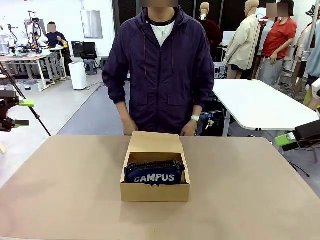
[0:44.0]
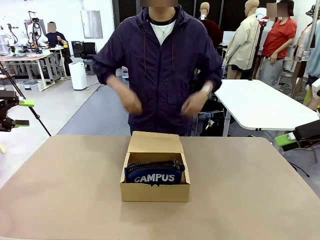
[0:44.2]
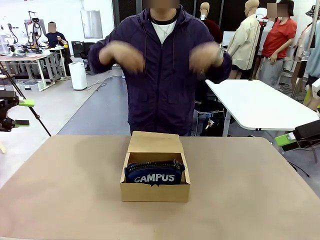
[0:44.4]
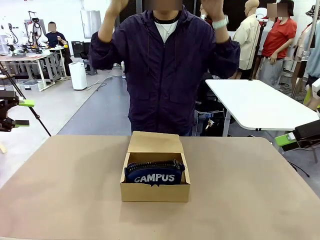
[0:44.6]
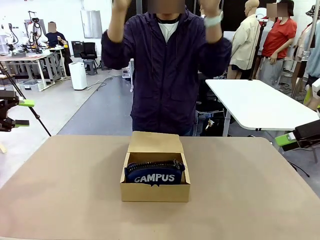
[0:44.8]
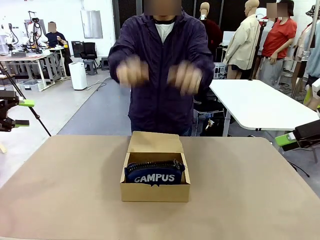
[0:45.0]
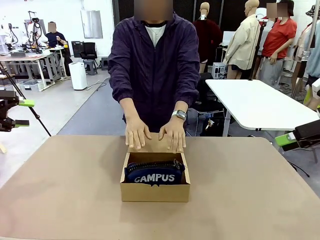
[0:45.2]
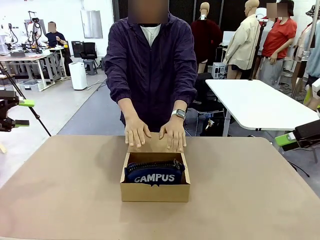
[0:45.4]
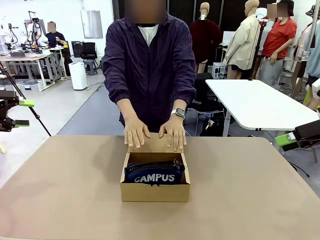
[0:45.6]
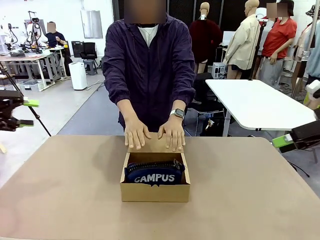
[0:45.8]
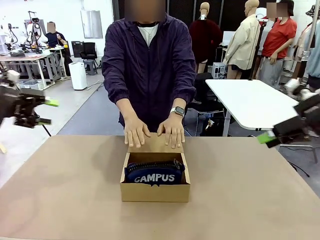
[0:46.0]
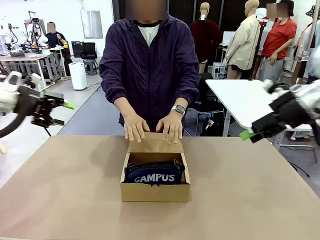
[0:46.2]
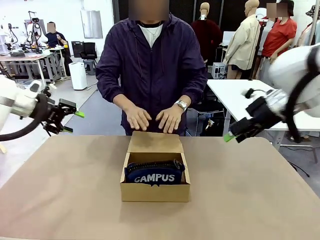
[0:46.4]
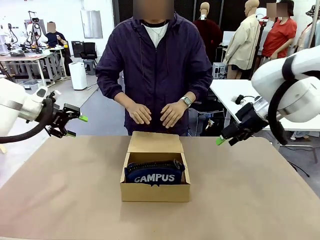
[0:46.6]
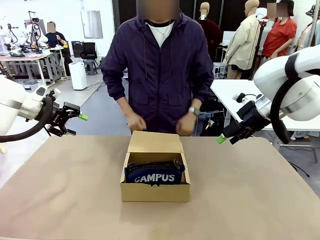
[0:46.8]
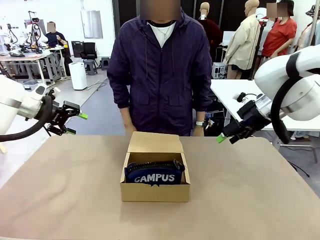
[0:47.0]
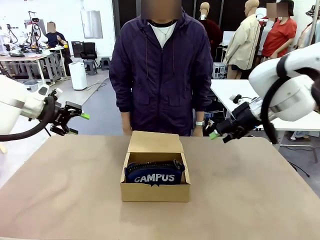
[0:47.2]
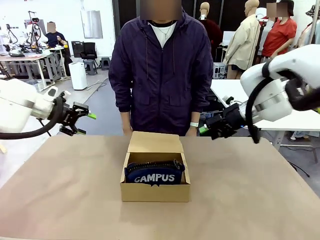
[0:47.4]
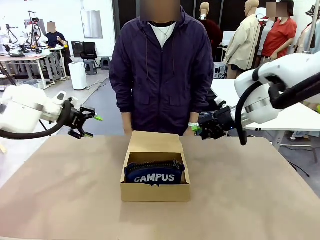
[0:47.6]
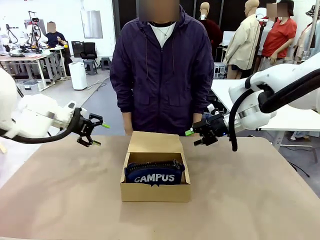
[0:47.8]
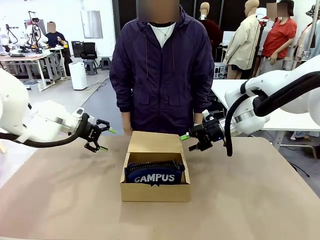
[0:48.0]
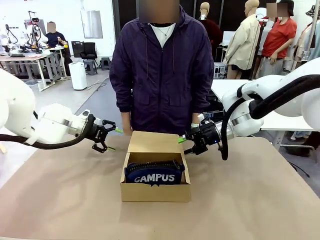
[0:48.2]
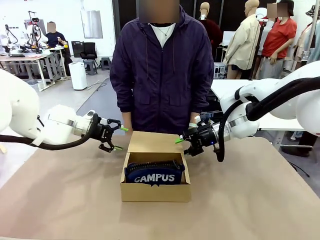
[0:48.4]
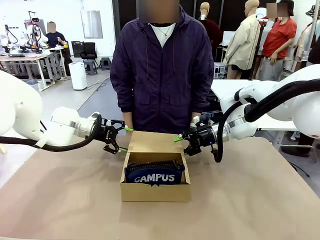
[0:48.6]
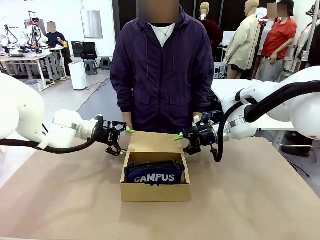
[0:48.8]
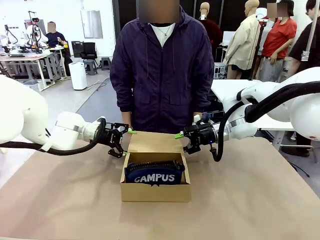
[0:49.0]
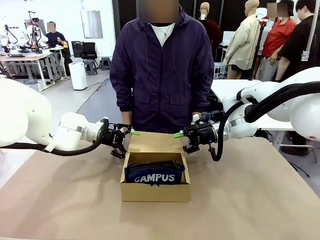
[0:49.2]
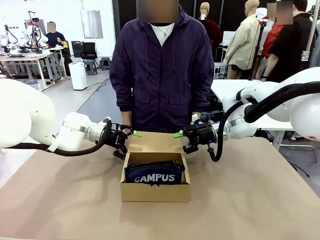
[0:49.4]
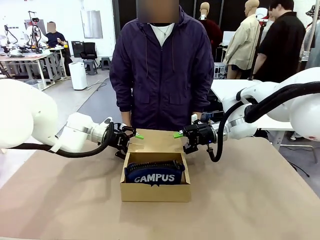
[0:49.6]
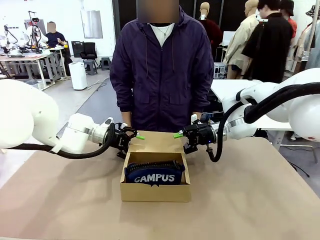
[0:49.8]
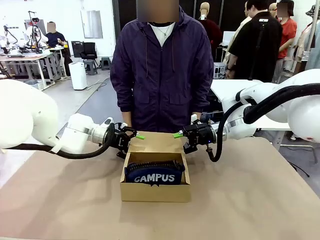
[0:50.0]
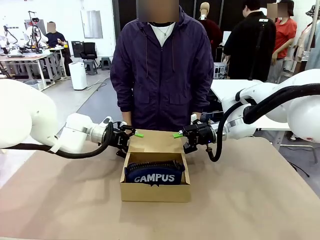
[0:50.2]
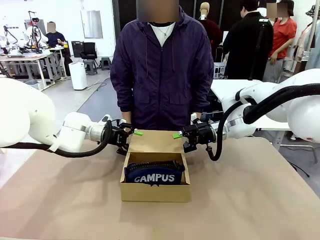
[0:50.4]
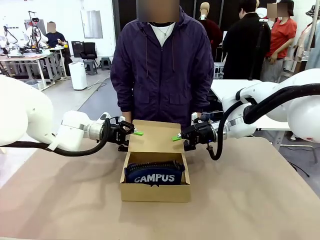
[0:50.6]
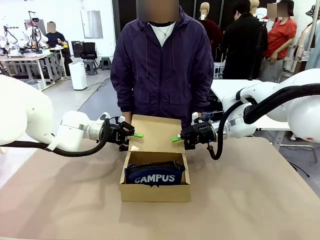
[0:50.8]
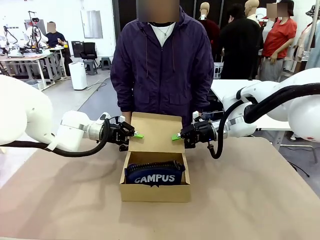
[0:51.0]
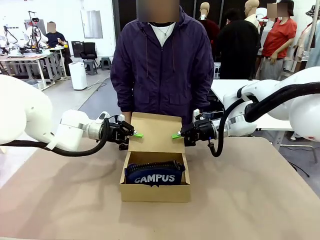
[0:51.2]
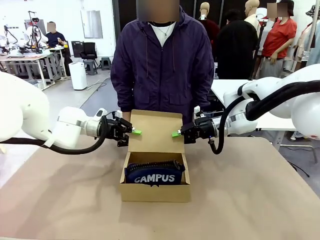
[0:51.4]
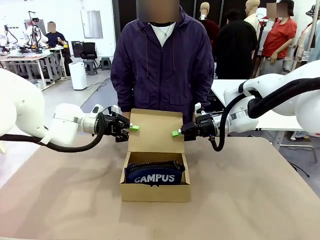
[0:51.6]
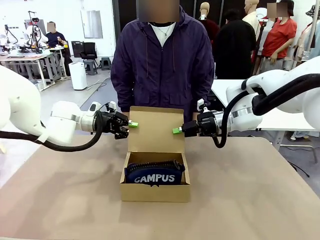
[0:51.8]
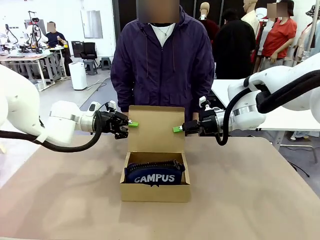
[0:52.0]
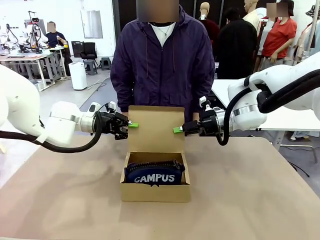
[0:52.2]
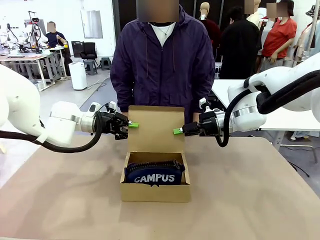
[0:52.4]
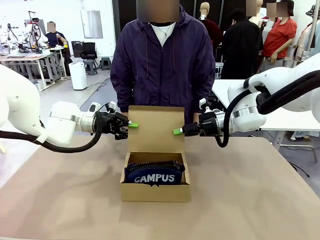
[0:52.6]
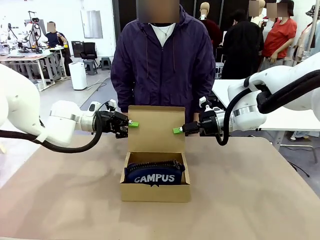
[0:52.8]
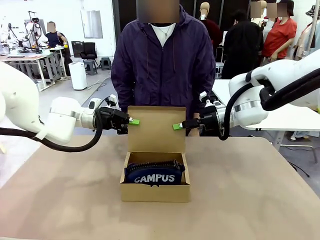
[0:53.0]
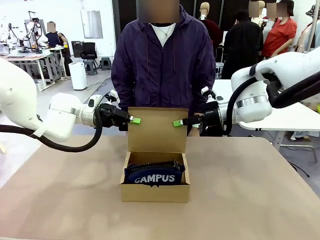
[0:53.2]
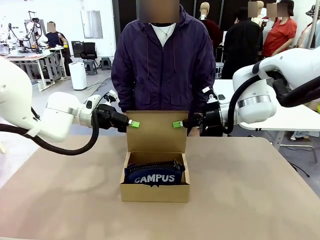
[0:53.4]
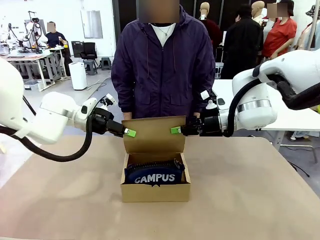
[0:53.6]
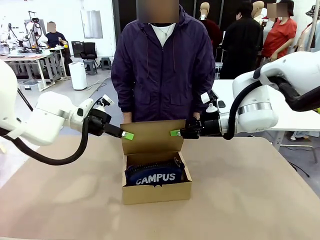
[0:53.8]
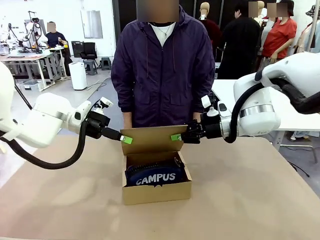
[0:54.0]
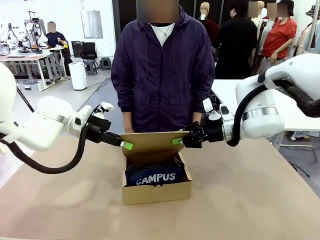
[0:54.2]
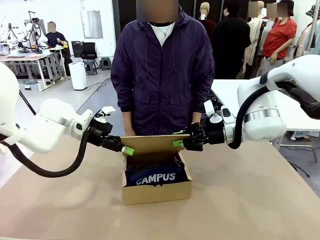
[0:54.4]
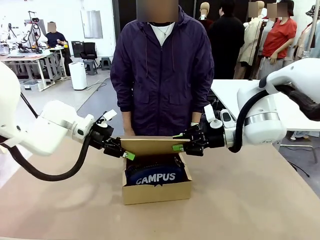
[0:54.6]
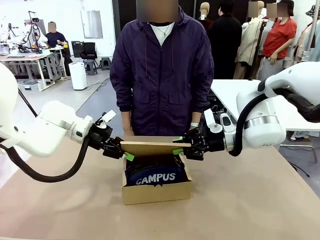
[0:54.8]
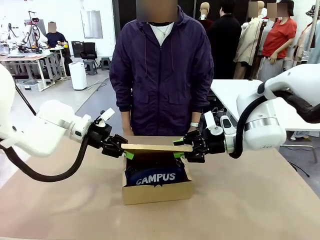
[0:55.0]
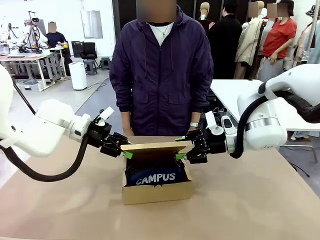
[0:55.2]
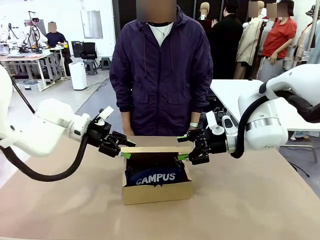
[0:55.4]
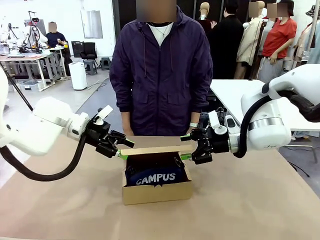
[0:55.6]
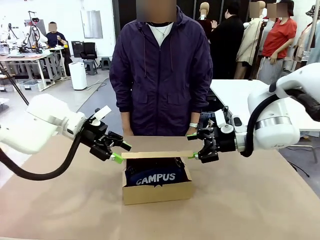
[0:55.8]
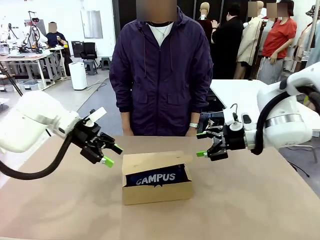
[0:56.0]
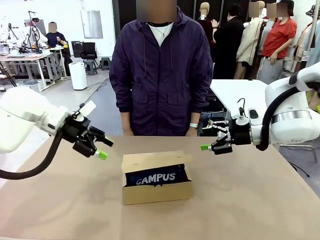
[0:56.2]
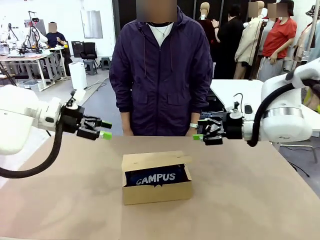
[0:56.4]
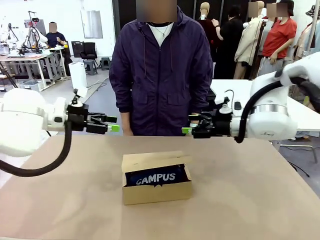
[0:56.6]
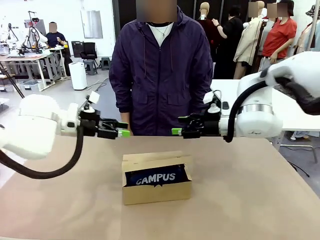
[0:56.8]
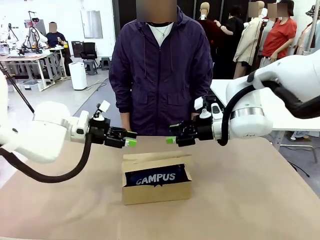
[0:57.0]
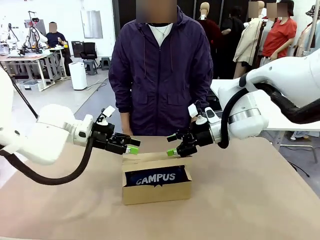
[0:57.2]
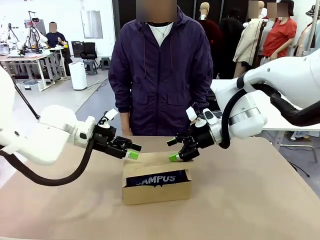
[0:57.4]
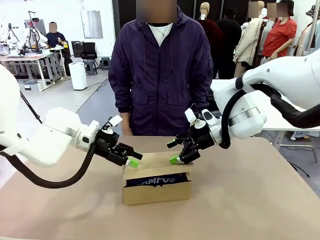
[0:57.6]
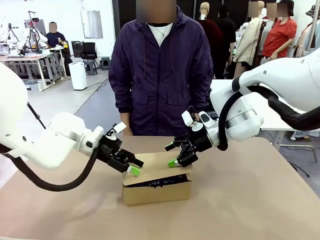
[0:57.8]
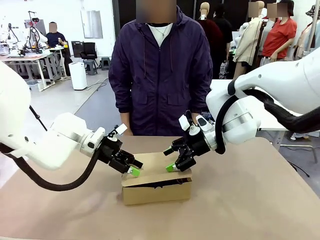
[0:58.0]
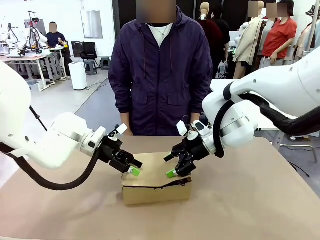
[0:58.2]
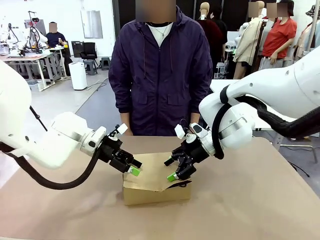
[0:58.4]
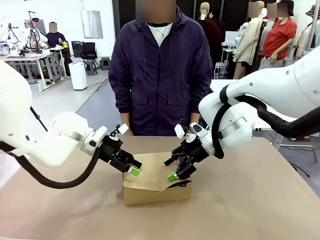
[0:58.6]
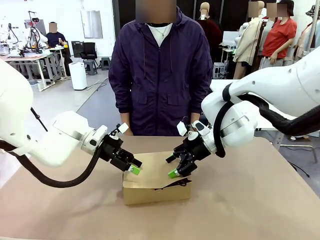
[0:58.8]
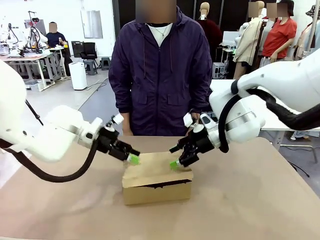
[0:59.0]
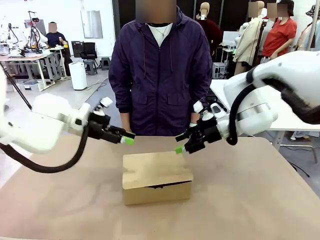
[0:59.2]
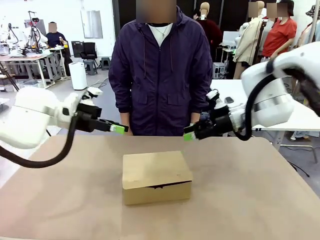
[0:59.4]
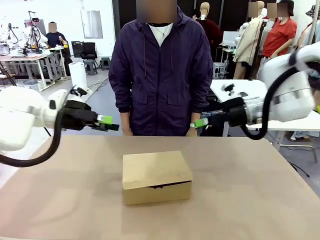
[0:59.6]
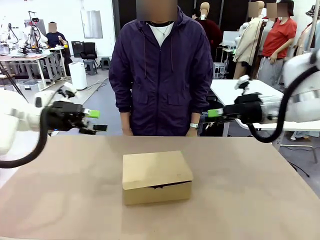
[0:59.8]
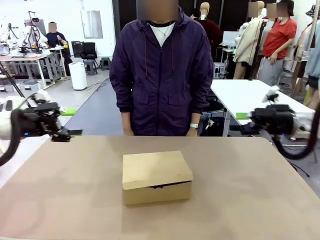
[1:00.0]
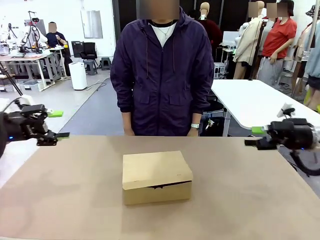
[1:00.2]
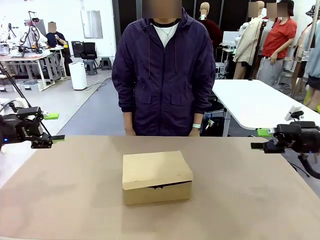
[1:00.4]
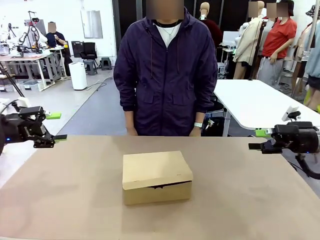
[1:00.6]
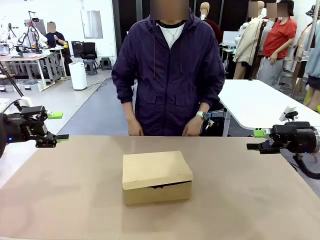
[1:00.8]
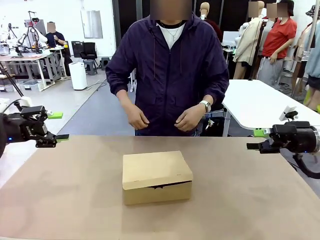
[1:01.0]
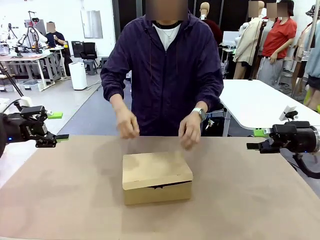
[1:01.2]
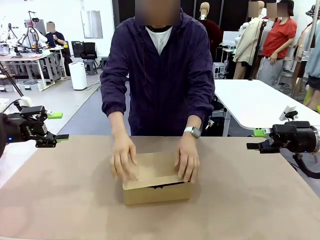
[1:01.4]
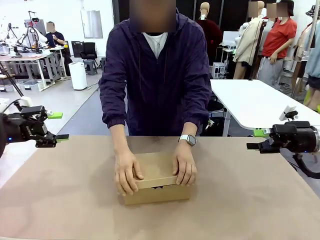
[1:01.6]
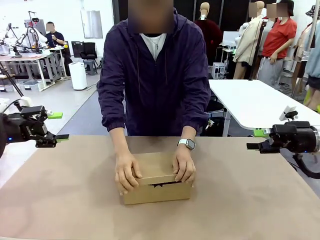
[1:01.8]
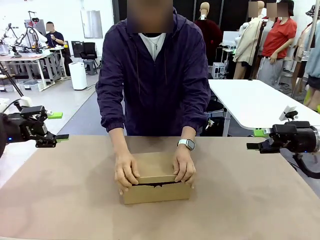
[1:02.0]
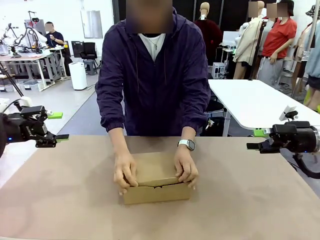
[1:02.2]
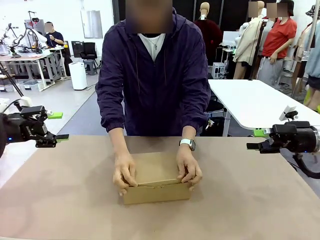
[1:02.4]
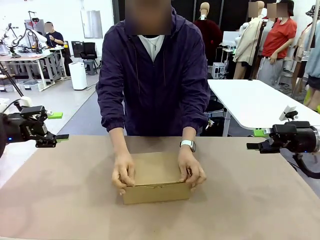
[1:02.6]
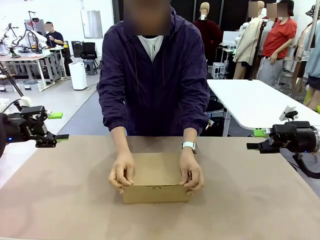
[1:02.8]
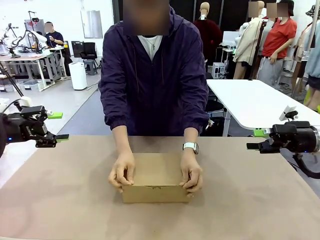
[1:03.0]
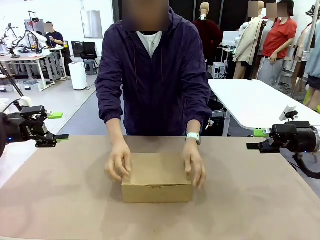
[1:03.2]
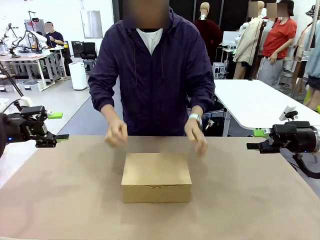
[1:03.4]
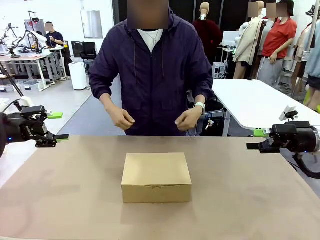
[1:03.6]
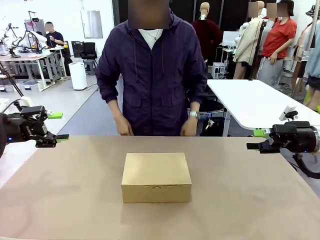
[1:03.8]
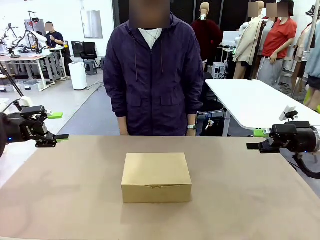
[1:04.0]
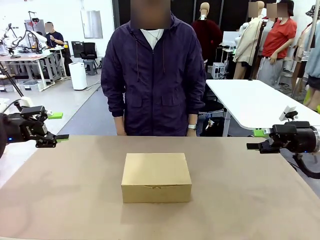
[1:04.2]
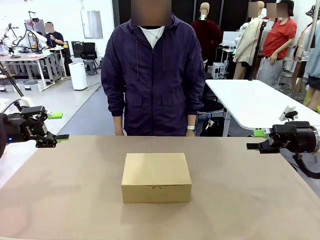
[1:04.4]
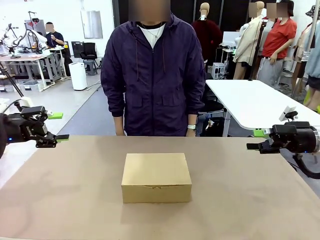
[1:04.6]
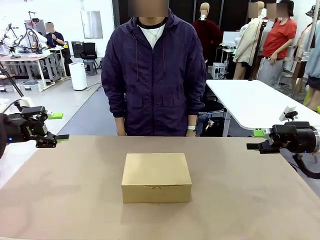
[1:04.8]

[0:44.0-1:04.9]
Task: Pack the items into the box.
Robot: Close the Mailer Box.
Person: Turn the box and lock it.
